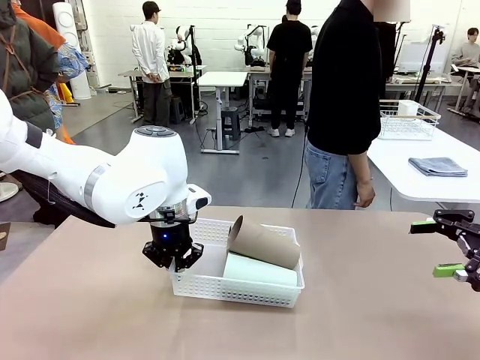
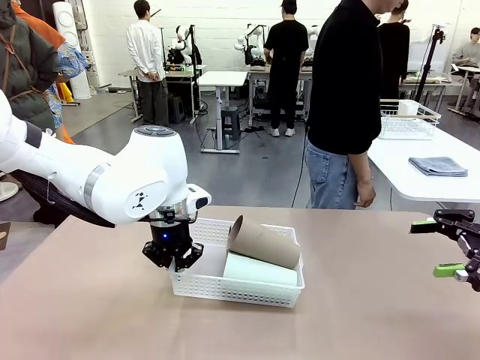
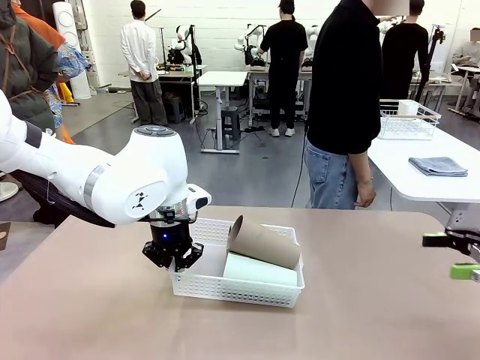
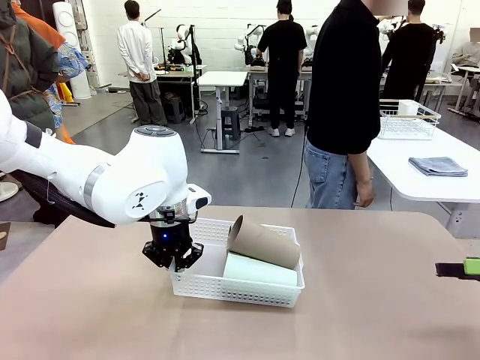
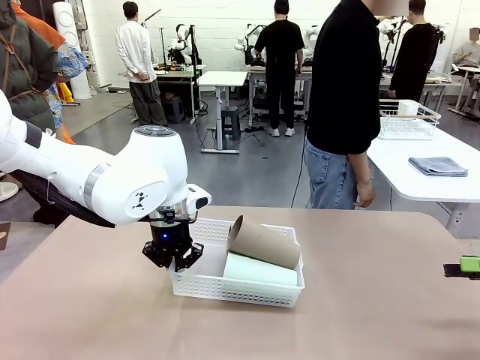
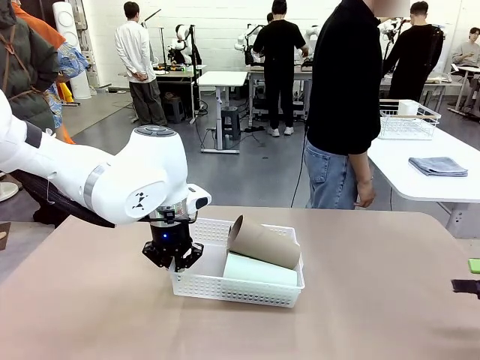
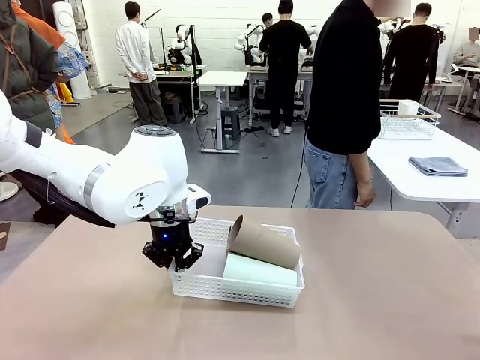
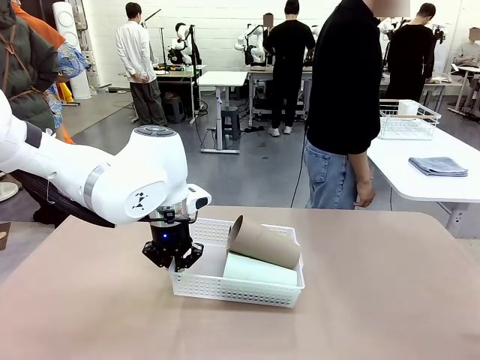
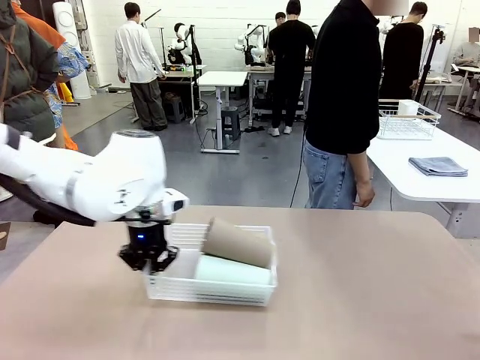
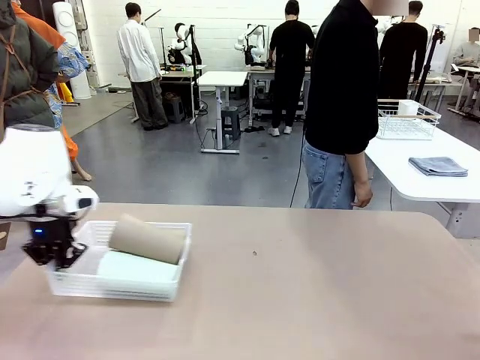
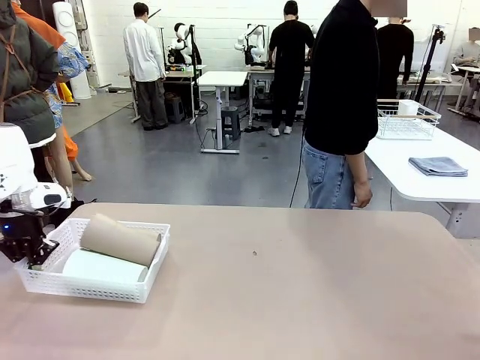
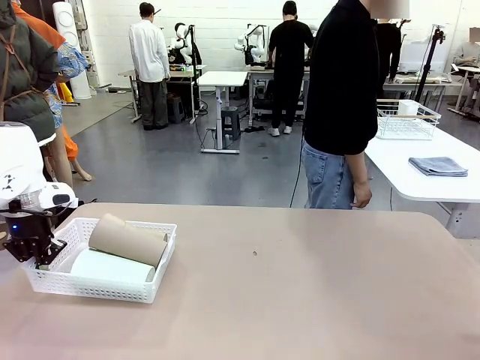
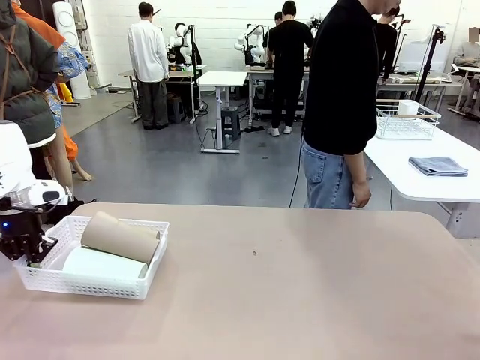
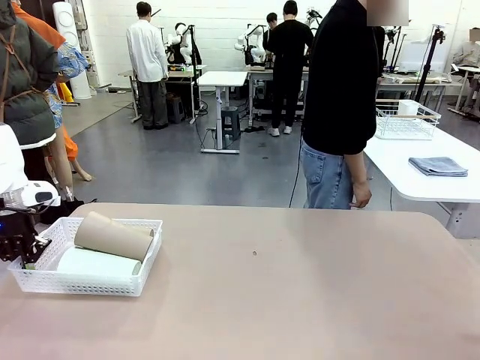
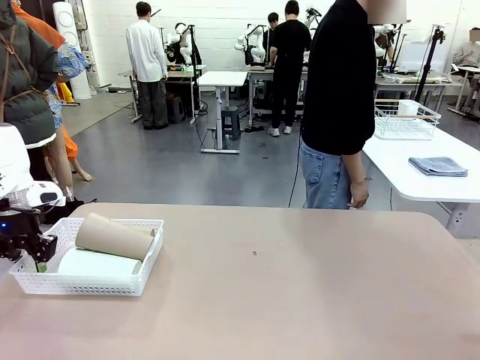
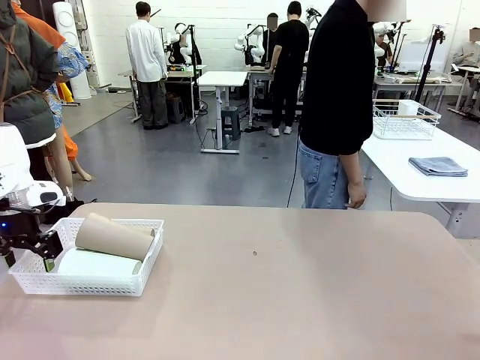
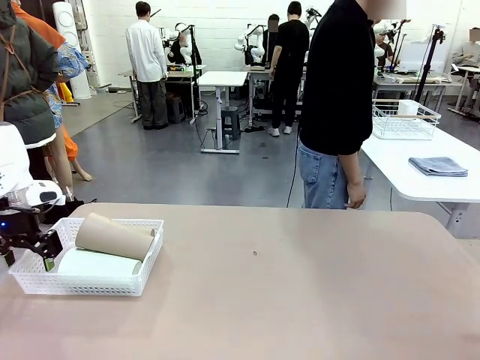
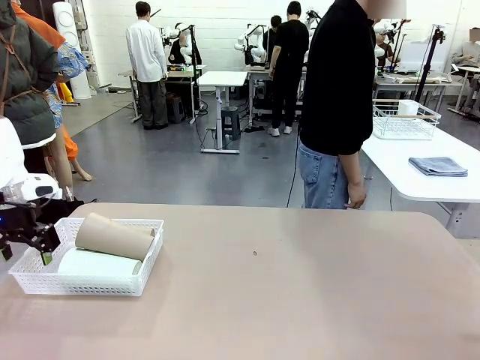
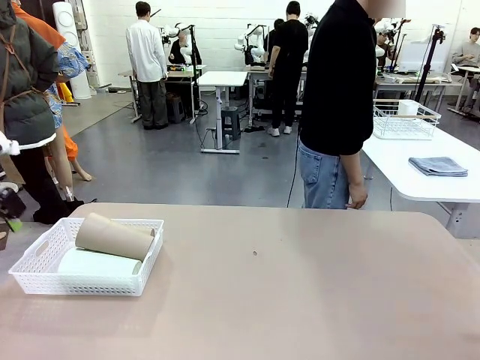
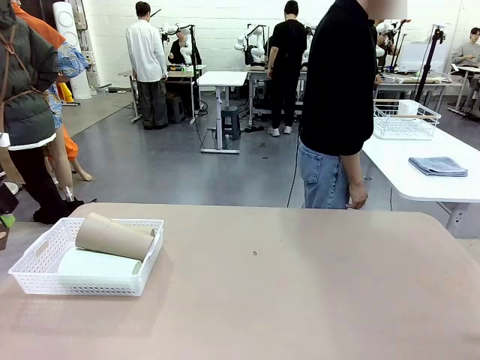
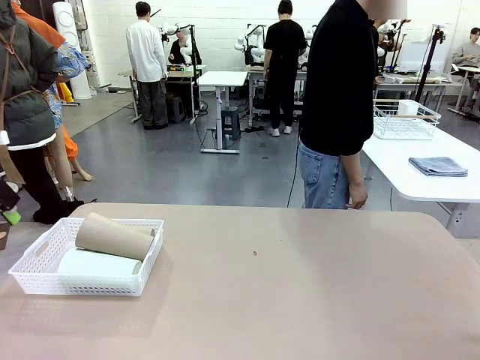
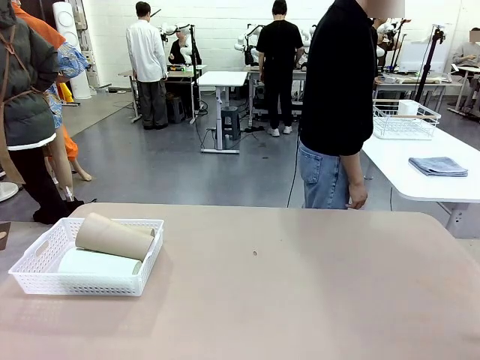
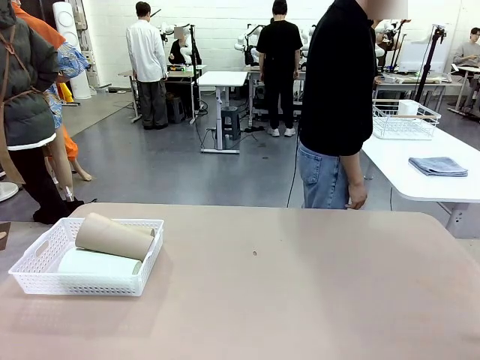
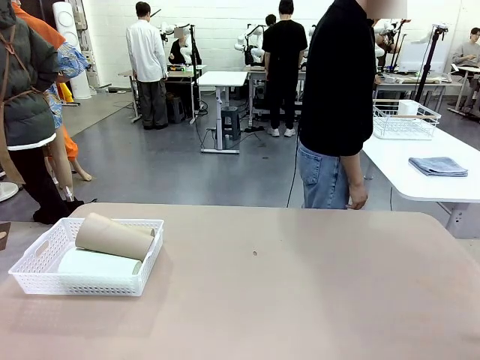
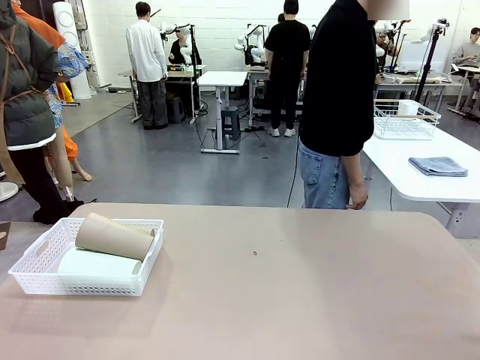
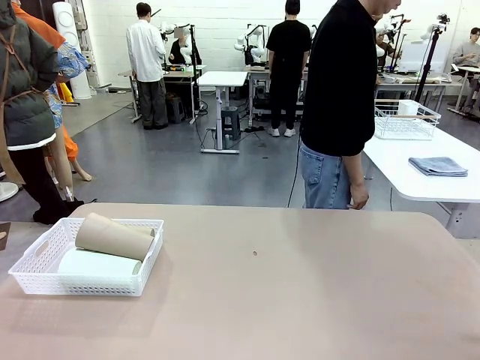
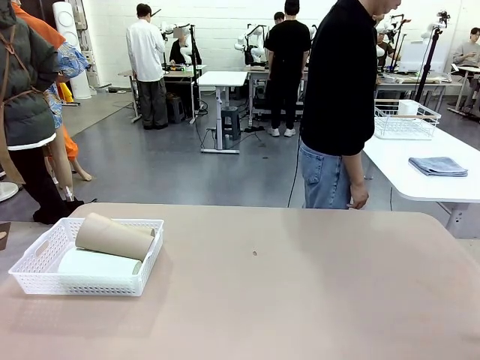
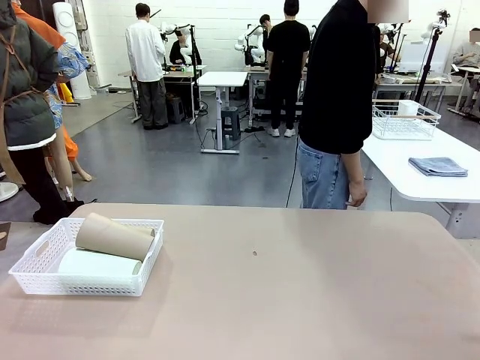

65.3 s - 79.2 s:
Task: Clean and organize the cups into the basket.
Robot: Move the Organizing basket back to the left side of the table.
Person: Folds the towel in half twice and places it in the right of the table.

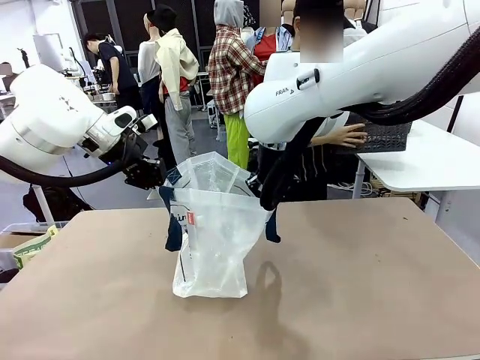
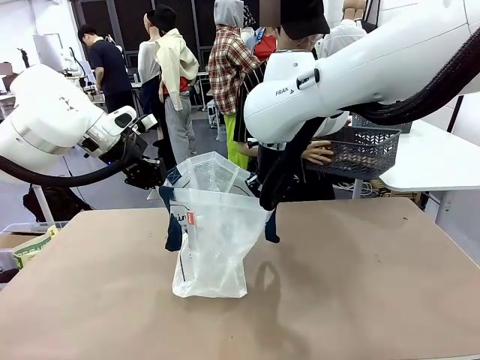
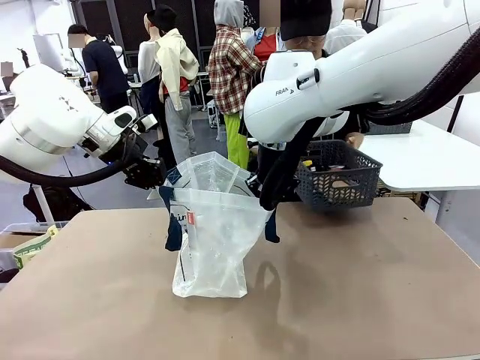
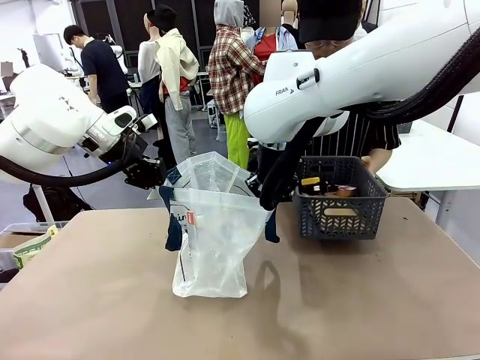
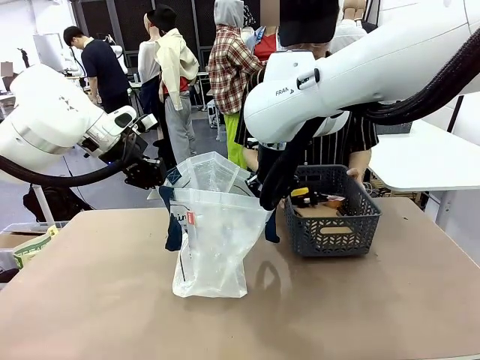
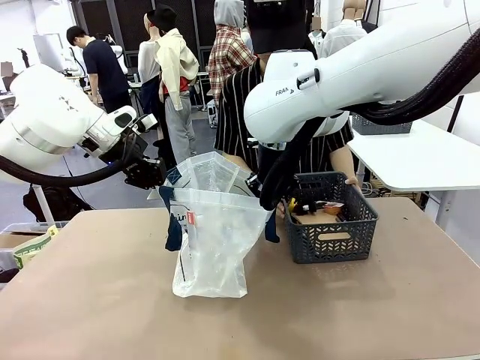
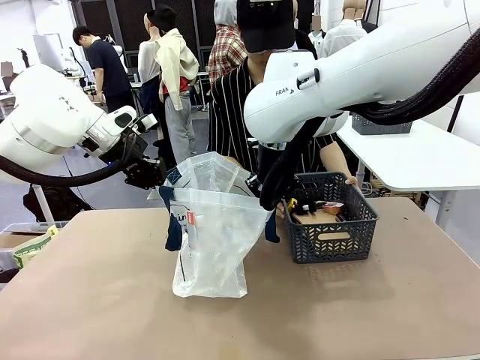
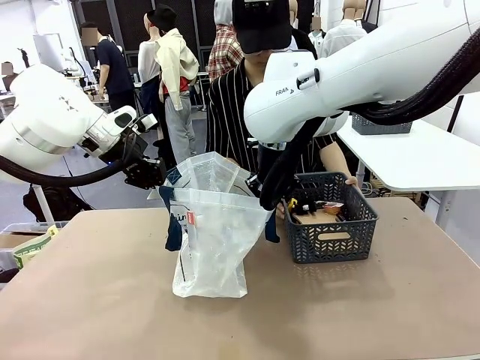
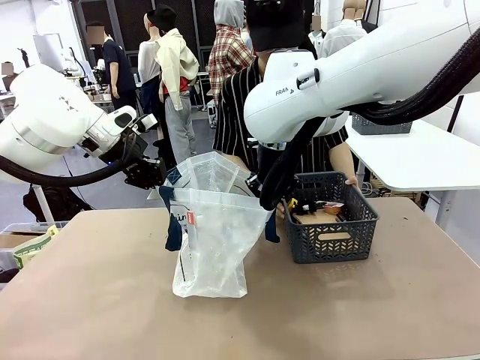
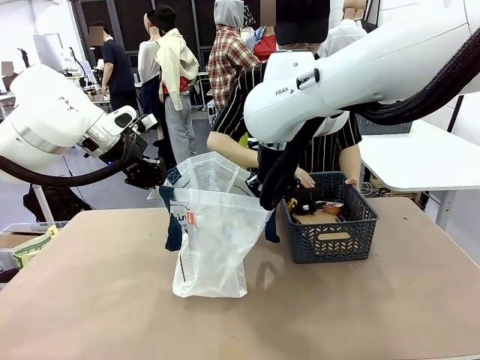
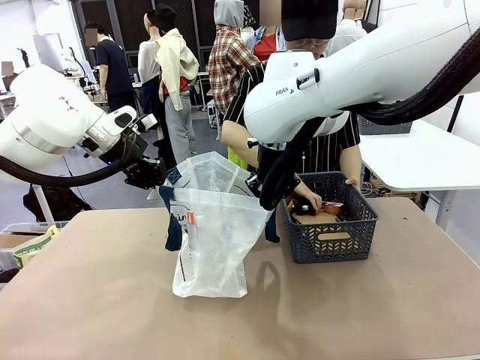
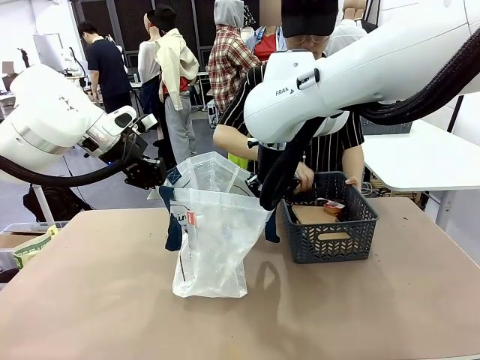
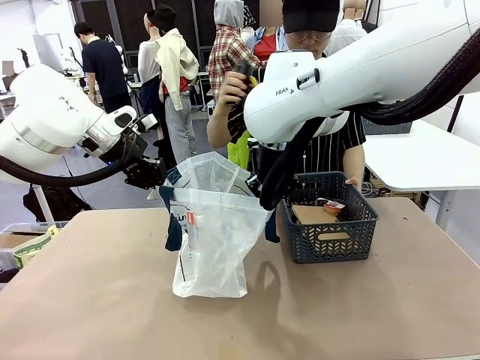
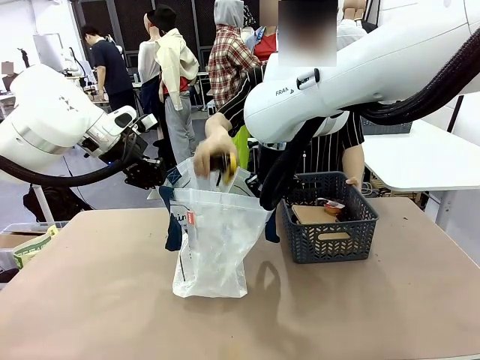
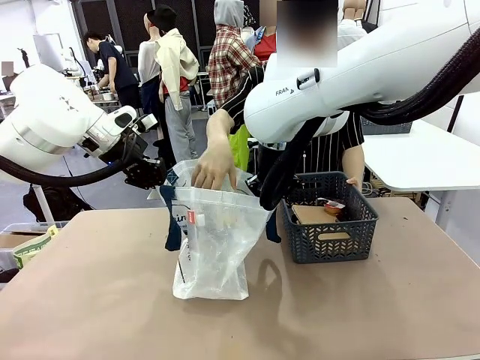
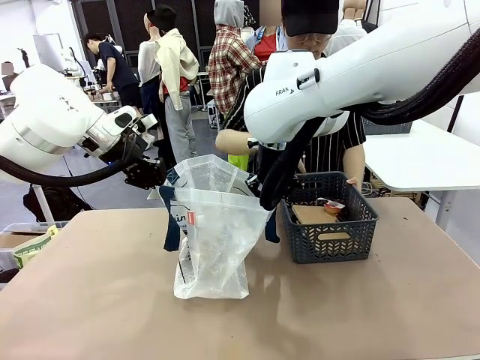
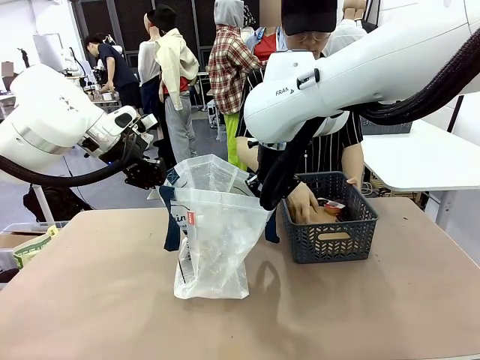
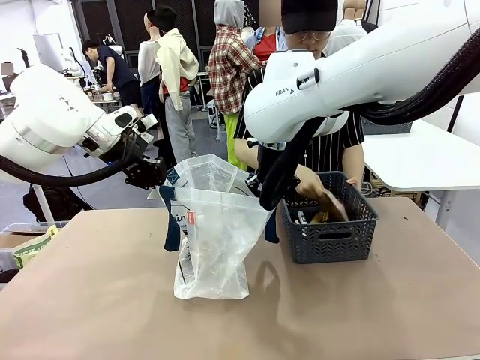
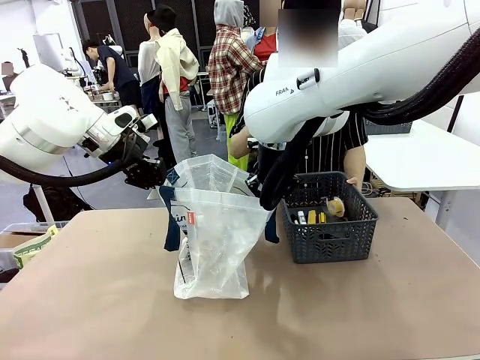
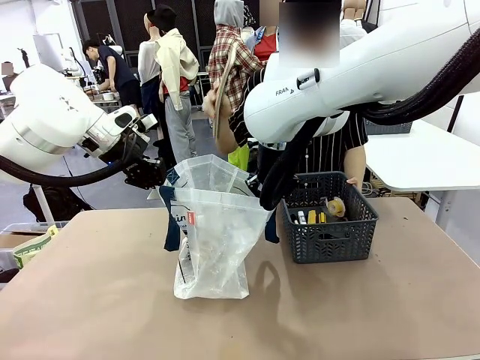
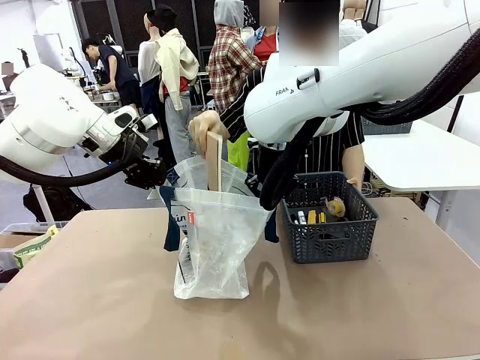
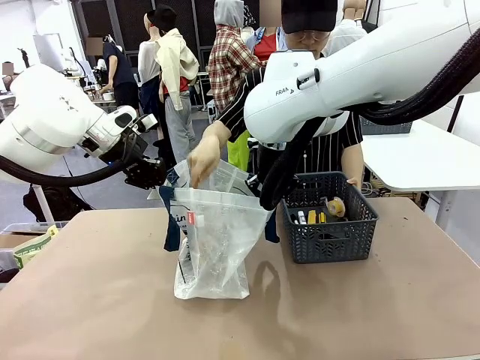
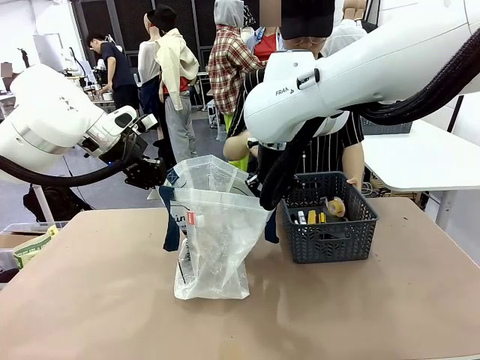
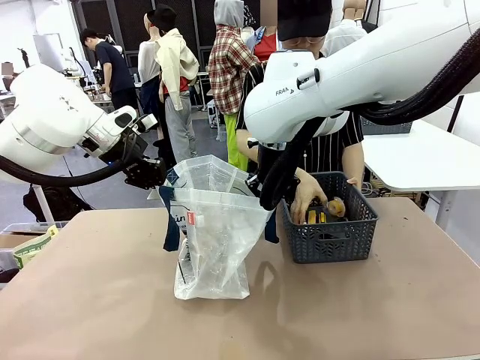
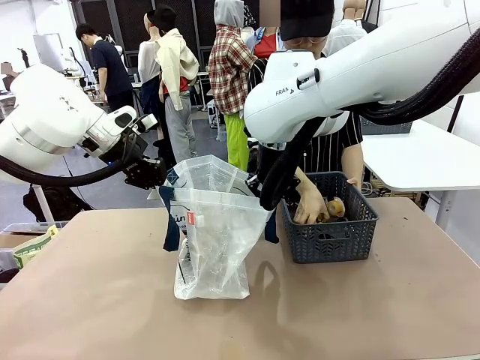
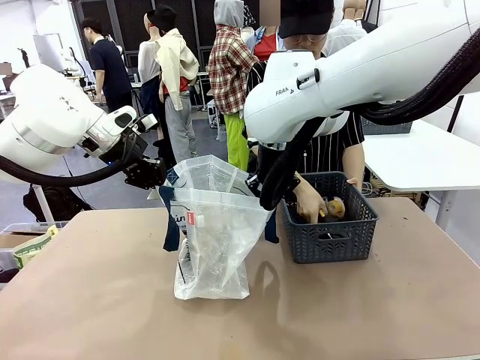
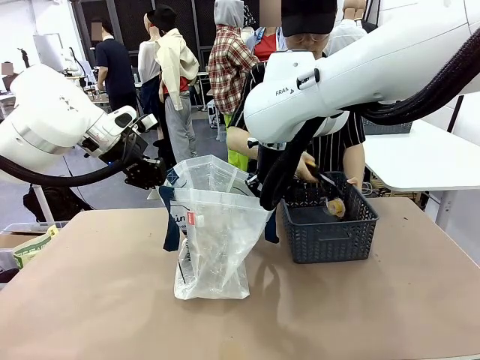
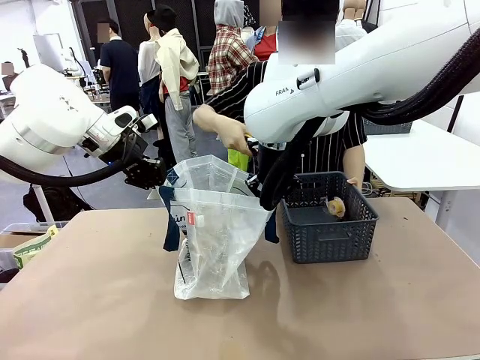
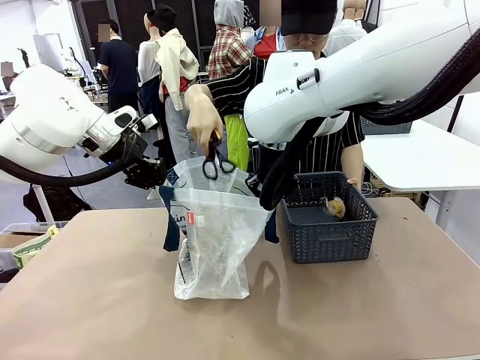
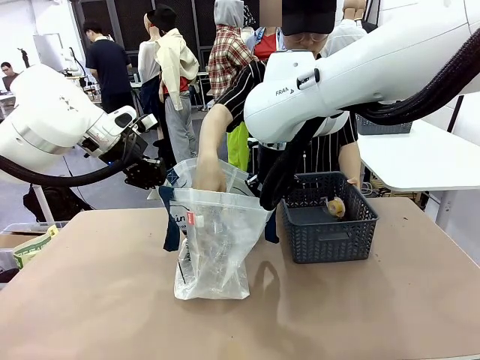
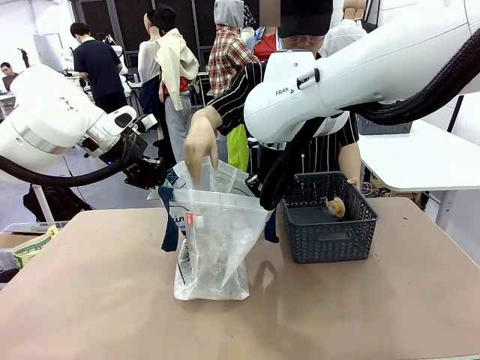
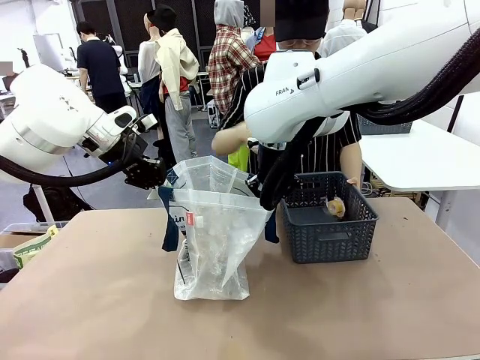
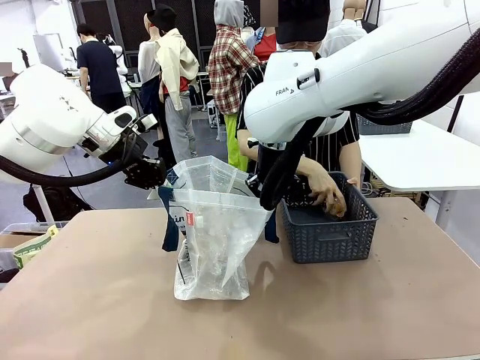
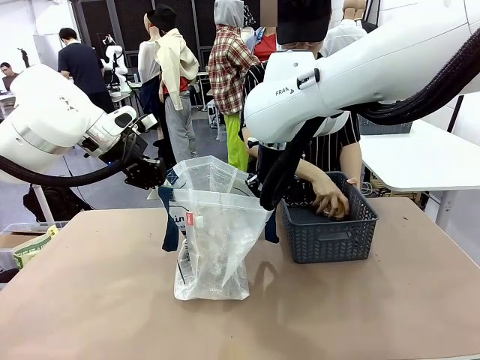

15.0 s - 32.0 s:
Task: Transfer purchased items from the store into the shopping bag.
Robot: Move the Reusable shopping bag to the right side of the table.
Person: Pick up the basket with the items out and place it on the right side of the human table.
